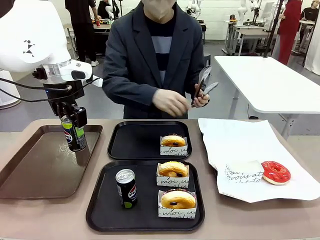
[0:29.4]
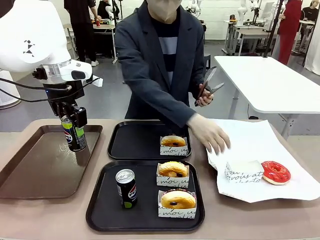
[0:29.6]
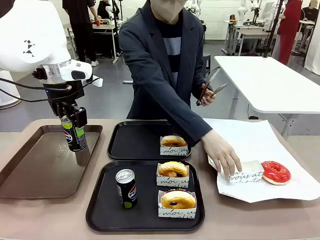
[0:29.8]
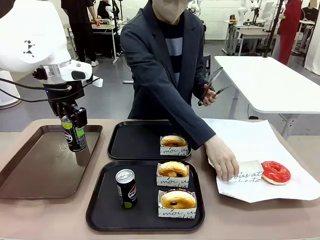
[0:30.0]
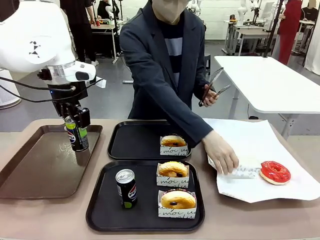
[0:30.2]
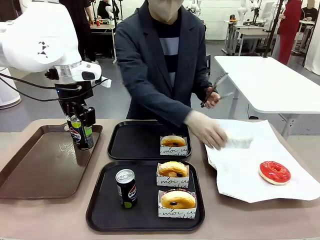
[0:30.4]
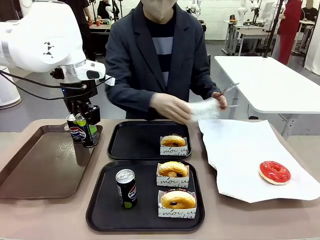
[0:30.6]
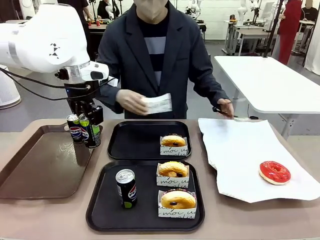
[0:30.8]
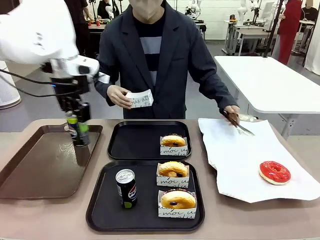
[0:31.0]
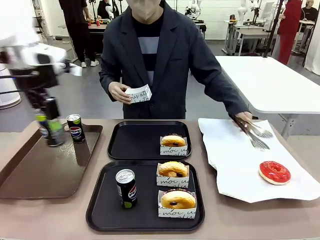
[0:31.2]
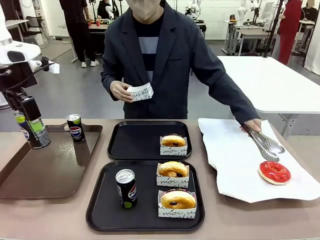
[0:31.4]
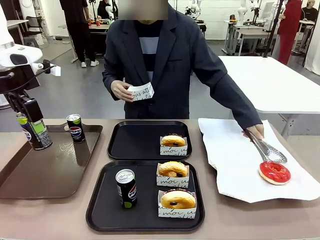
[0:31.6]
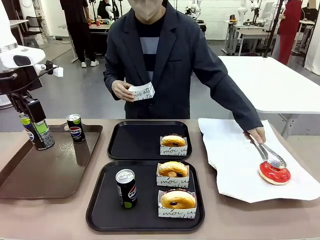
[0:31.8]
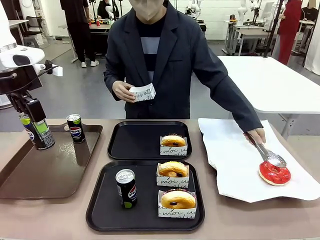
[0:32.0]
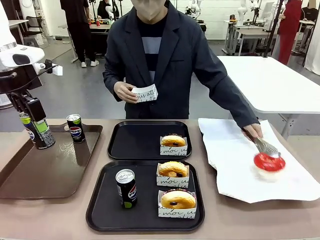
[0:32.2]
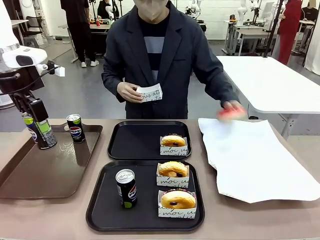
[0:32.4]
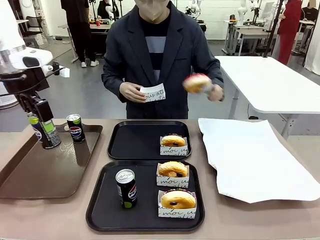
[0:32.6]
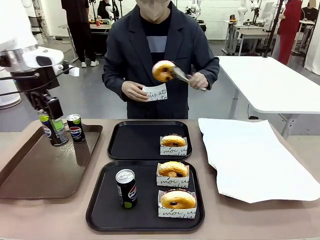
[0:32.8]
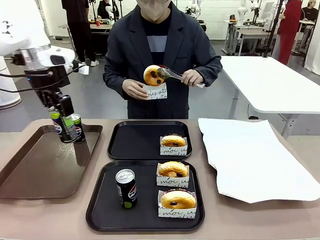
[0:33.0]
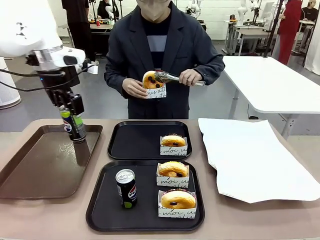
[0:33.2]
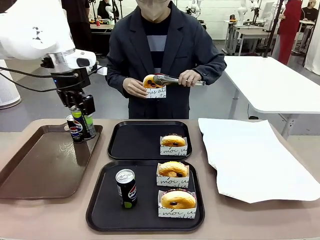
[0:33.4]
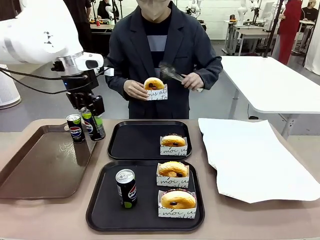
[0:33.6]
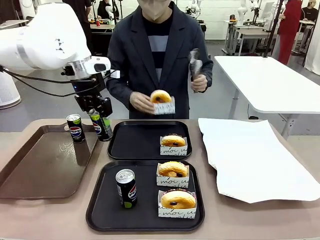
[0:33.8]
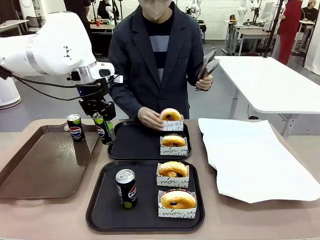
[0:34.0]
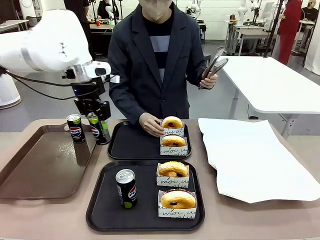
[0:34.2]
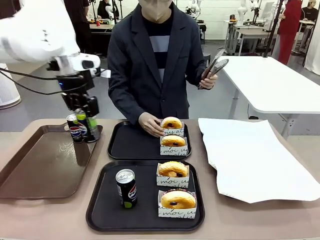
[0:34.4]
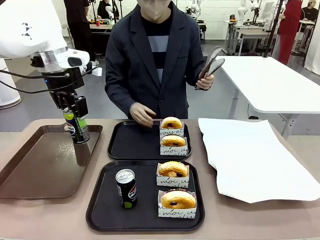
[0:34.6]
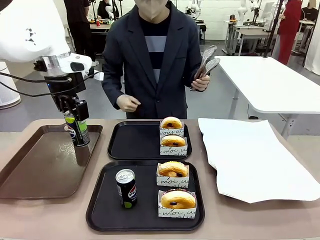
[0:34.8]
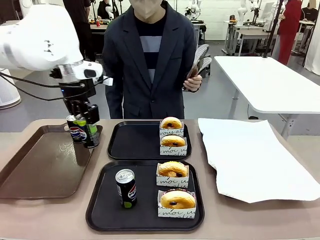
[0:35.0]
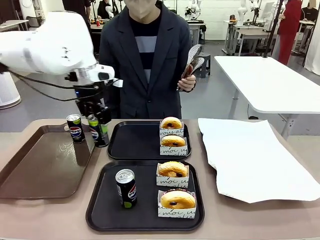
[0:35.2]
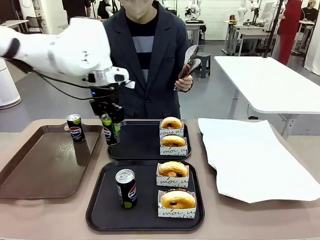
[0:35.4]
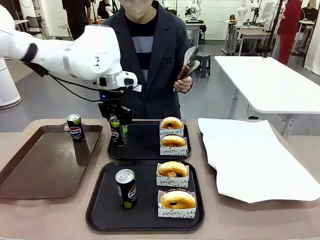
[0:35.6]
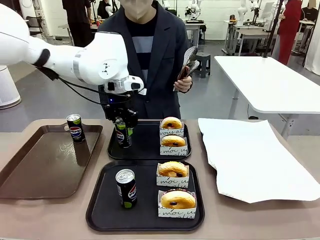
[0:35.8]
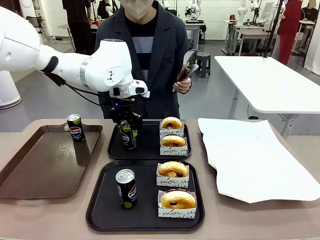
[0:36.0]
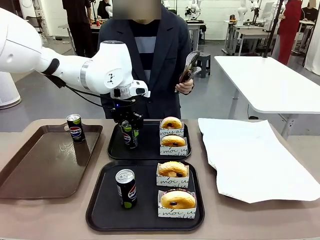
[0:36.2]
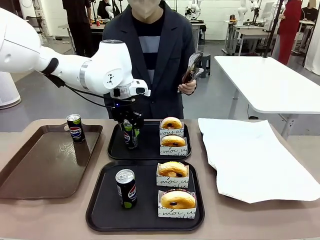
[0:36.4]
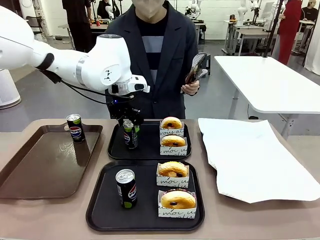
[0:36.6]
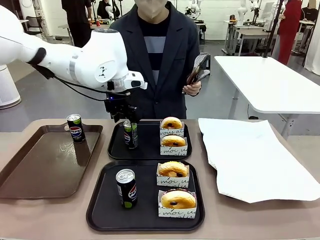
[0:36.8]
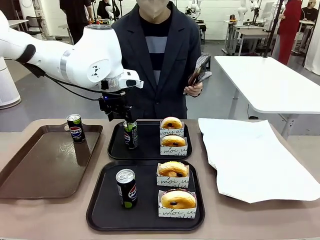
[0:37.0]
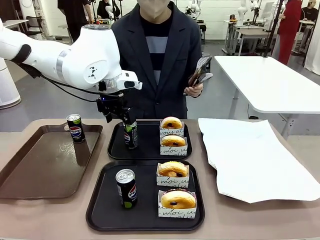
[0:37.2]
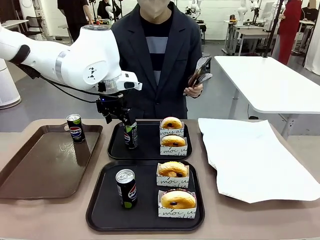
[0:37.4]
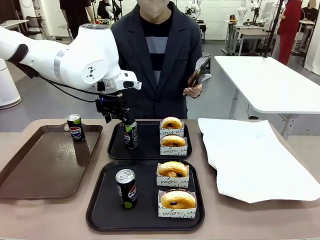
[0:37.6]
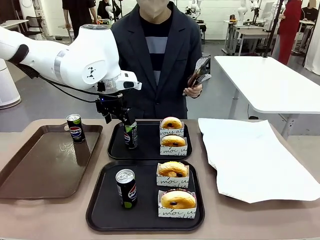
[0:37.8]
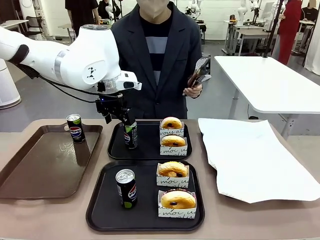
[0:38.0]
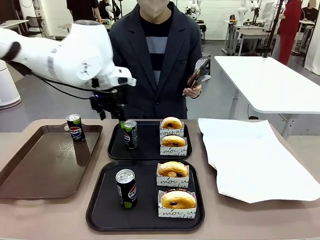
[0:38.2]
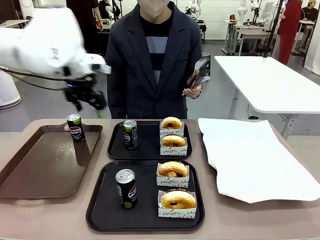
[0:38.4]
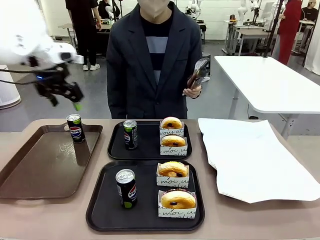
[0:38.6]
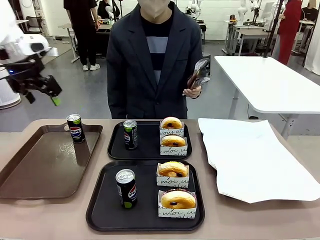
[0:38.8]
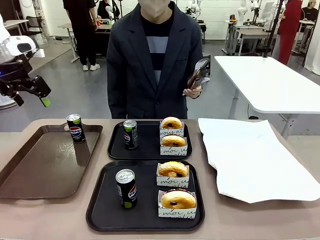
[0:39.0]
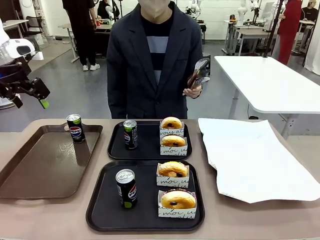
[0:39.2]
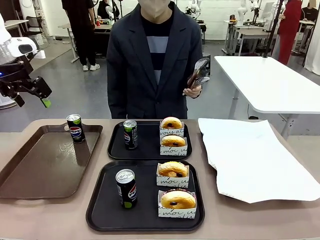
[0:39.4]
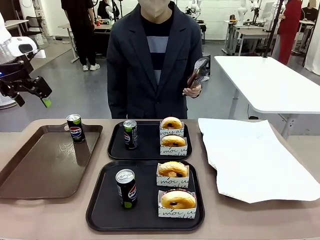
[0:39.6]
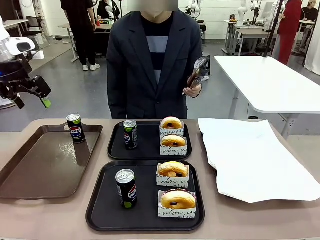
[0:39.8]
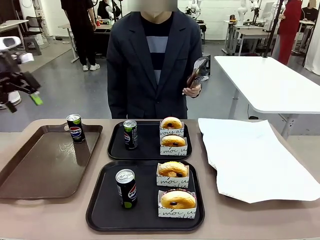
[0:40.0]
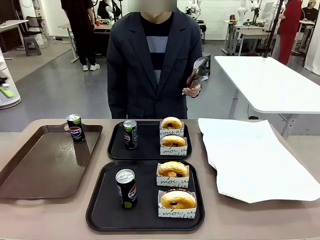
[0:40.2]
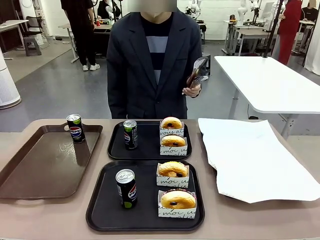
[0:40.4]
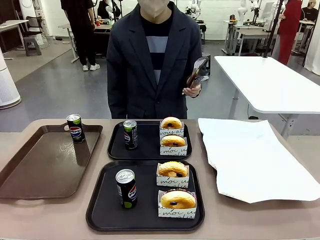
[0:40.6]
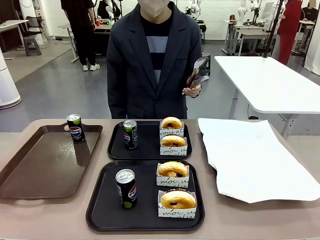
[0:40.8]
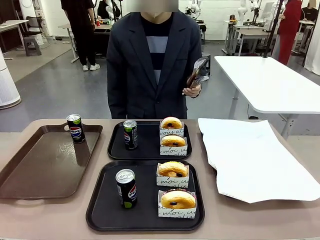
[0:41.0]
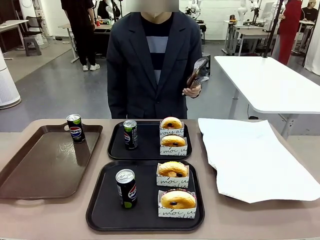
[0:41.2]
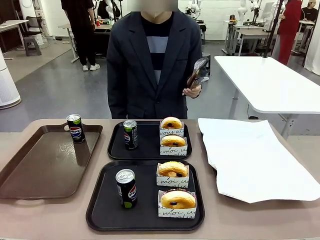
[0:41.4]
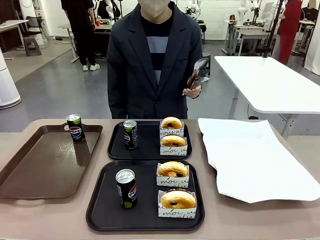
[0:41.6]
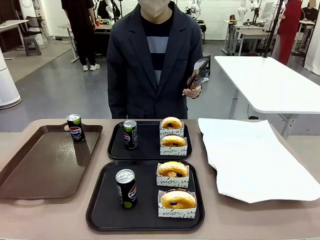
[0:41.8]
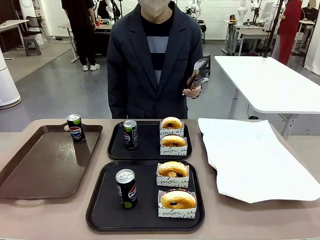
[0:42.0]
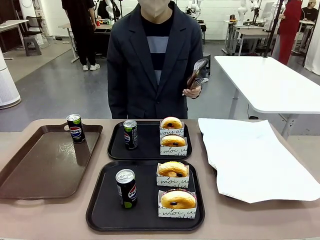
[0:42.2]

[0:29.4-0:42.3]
Task: Set up donuts and drinks on trays.
Robot: Pick up one Pepsi coke from the Handle tray and place it on the Flat Tray without a Pepsi coke.

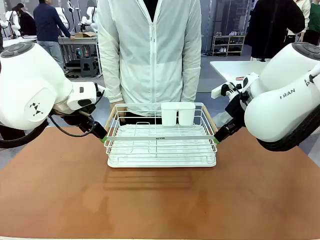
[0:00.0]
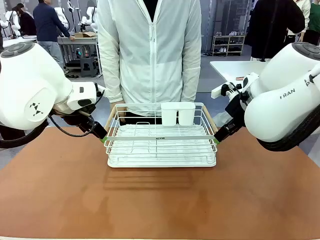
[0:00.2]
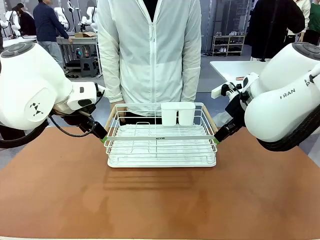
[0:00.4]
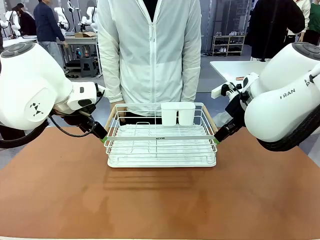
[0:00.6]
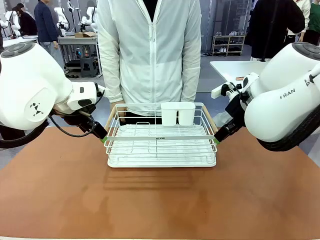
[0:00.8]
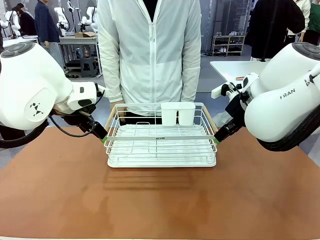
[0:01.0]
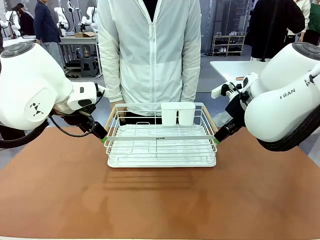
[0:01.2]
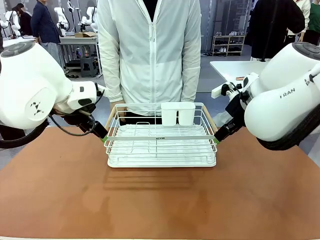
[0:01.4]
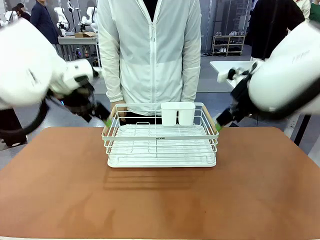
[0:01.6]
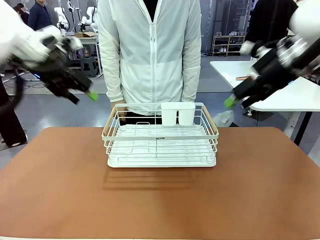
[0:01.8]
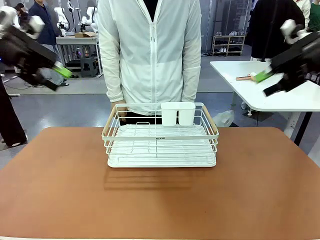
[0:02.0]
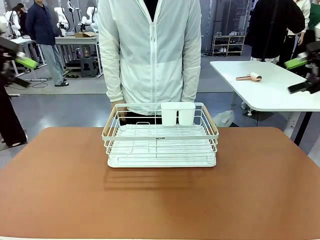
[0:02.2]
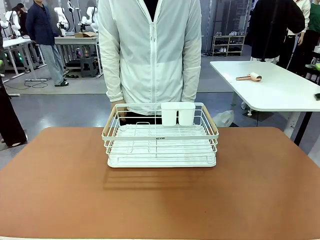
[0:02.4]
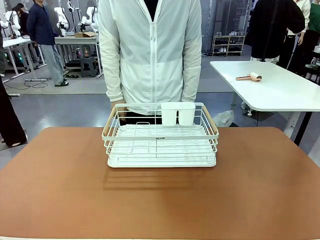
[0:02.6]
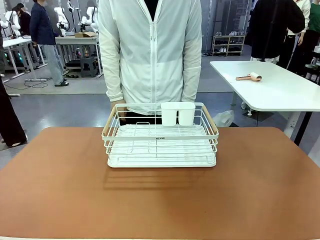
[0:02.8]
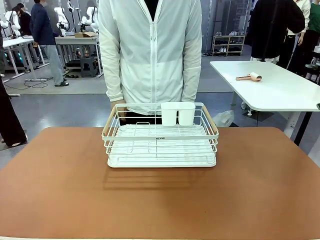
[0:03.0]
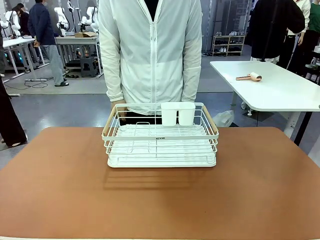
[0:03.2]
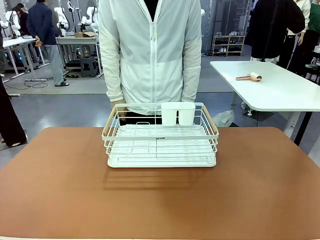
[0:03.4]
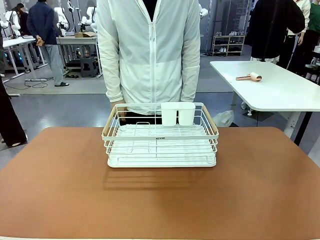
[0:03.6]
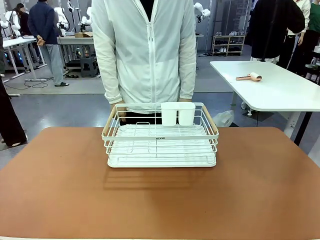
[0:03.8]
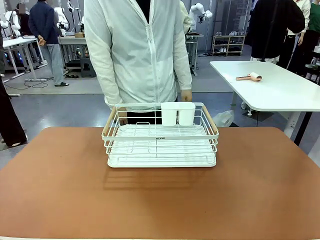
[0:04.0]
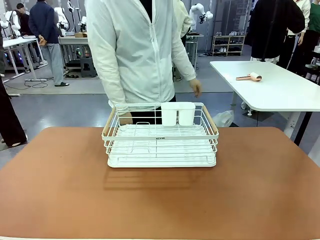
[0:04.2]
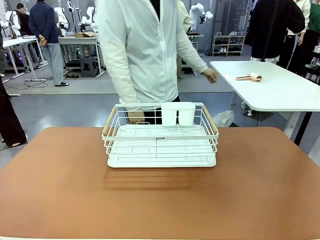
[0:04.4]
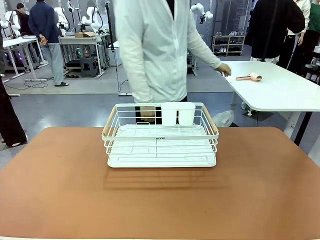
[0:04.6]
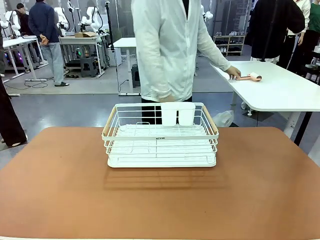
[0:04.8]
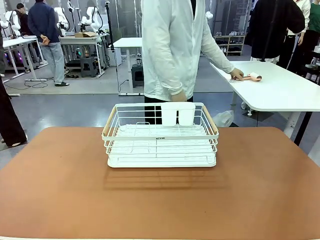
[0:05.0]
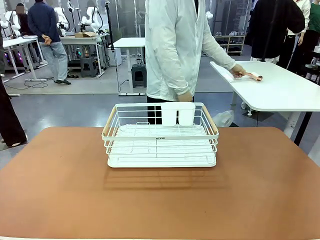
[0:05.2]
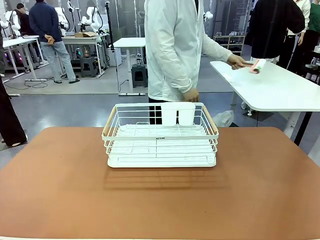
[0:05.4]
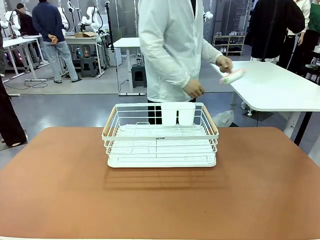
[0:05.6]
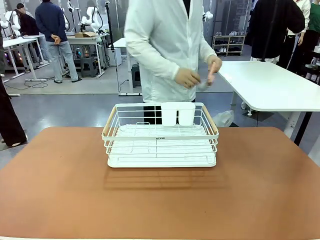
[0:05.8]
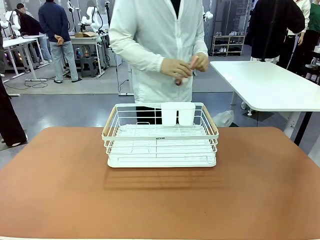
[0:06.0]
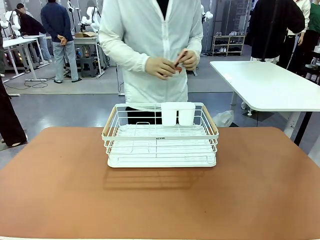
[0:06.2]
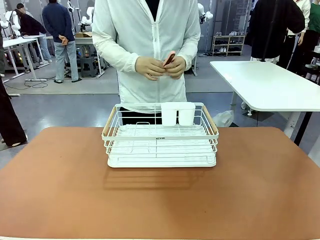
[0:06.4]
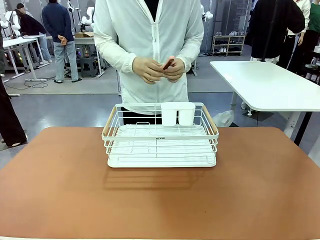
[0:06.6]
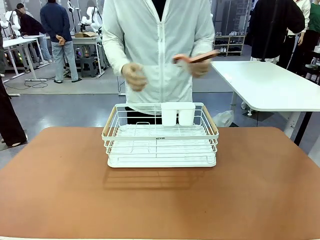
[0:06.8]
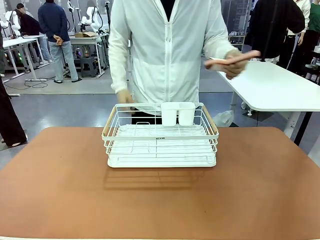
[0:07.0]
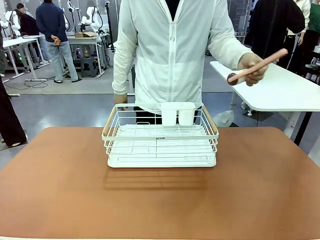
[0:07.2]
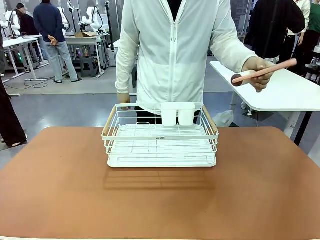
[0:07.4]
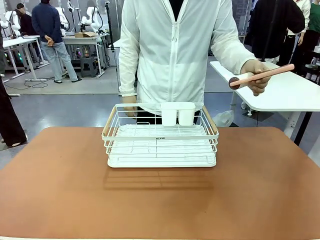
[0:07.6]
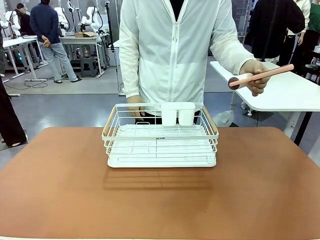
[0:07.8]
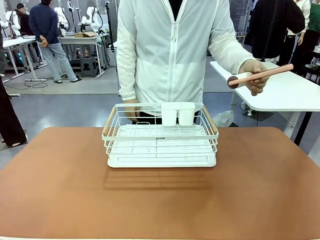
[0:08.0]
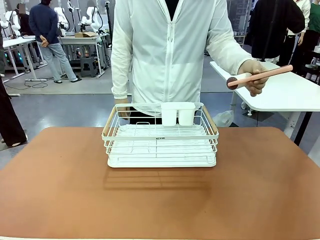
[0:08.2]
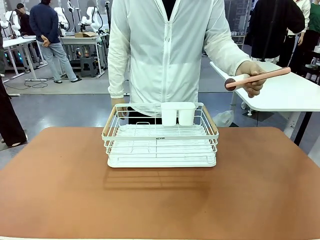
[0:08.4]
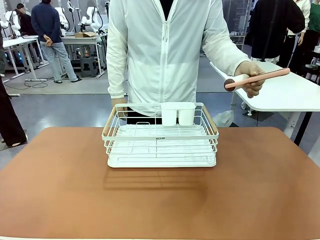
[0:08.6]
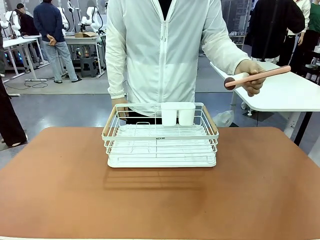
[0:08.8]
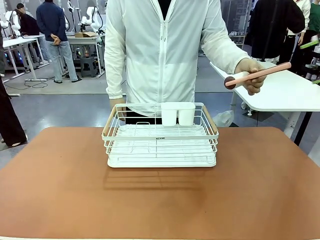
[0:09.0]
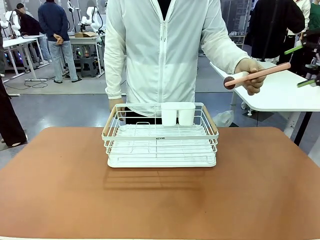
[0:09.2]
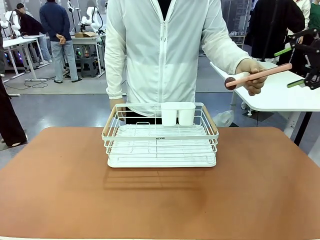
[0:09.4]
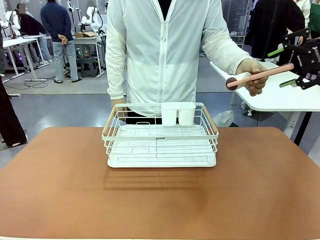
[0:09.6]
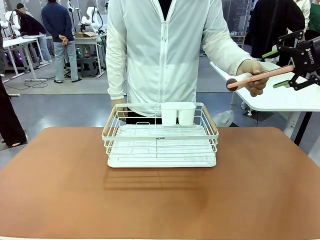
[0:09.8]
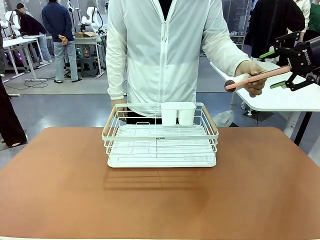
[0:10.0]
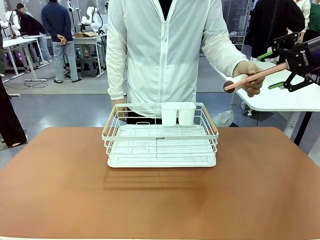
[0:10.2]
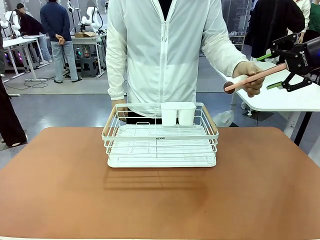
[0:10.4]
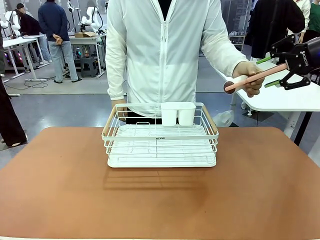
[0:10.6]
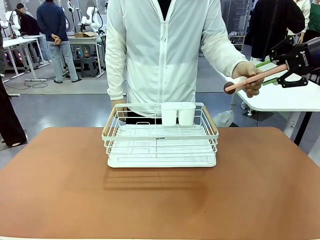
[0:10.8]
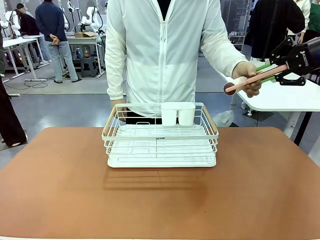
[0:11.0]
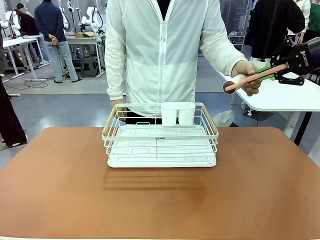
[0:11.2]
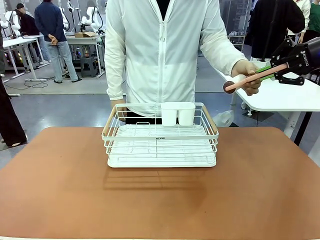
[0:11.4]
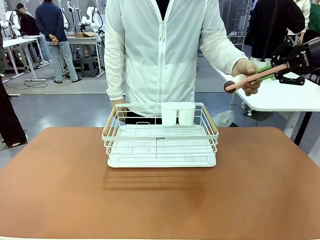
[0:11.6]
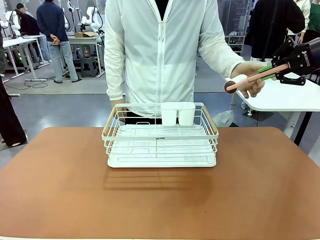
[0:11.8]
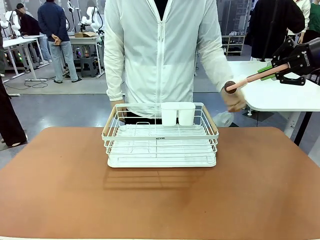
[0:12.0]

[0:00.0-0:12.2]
Task: Clean the table.
Robot: Pick up the Lint Roller when the human hands it over.
Person: Hand the Lint Roller to the robot so it can easily pick it up. Lift the Dish drying rack.
